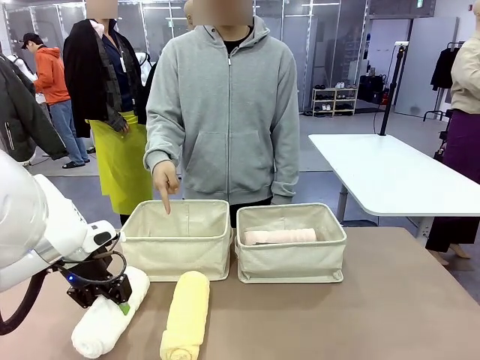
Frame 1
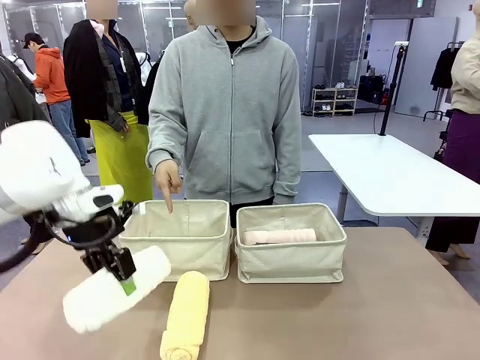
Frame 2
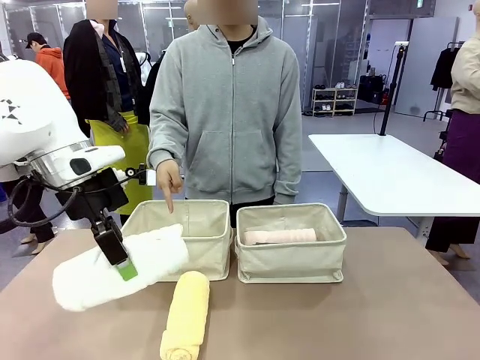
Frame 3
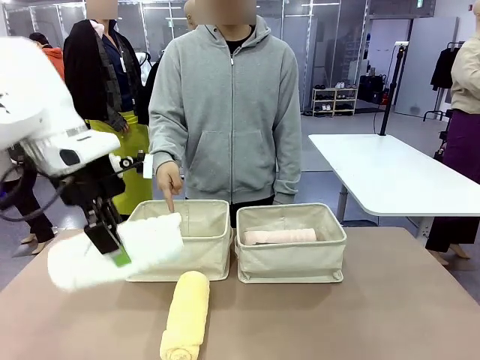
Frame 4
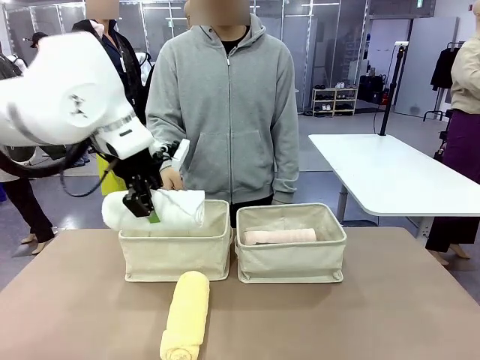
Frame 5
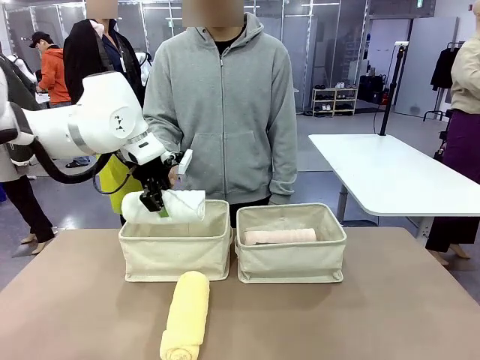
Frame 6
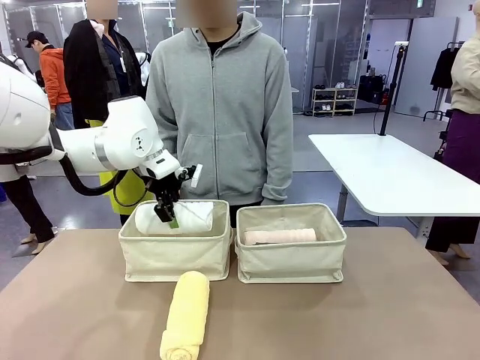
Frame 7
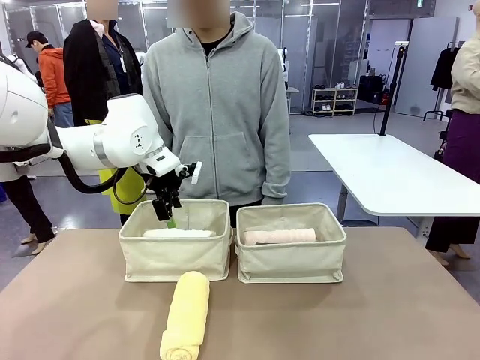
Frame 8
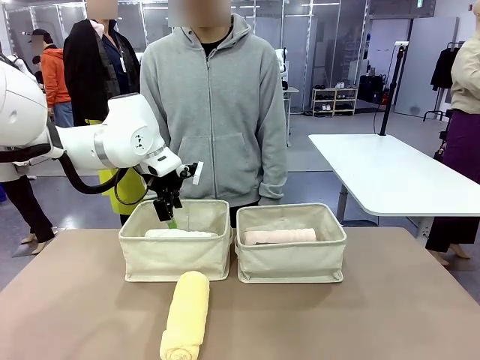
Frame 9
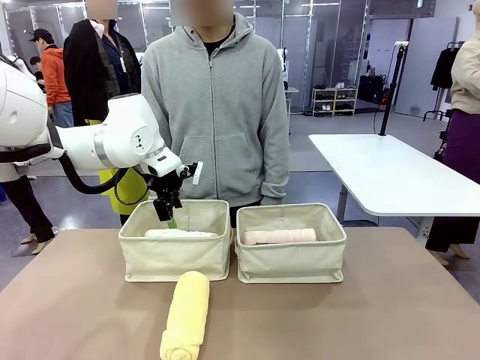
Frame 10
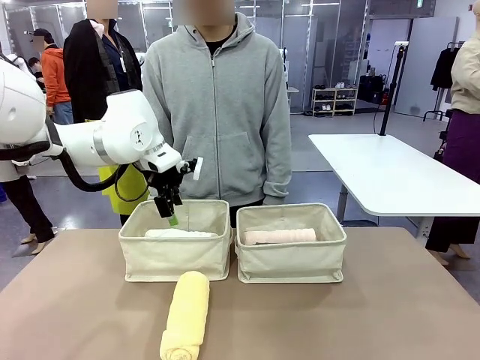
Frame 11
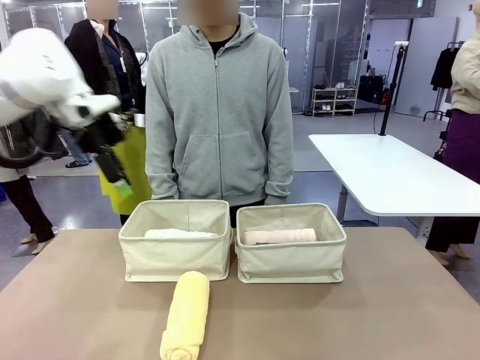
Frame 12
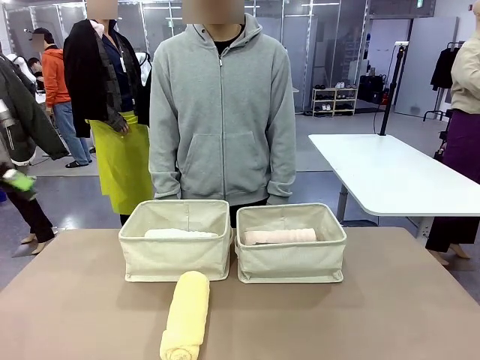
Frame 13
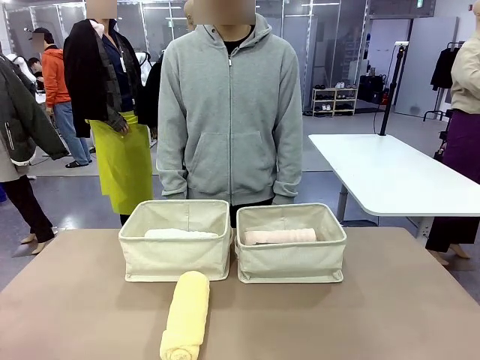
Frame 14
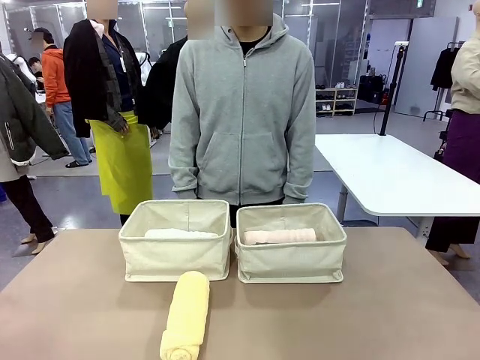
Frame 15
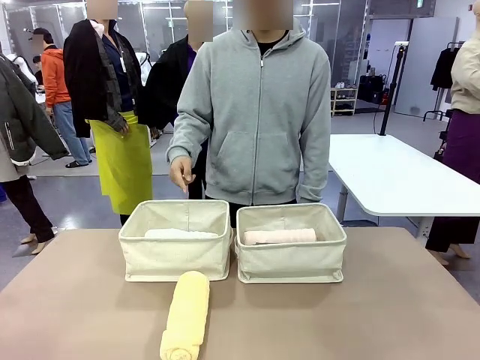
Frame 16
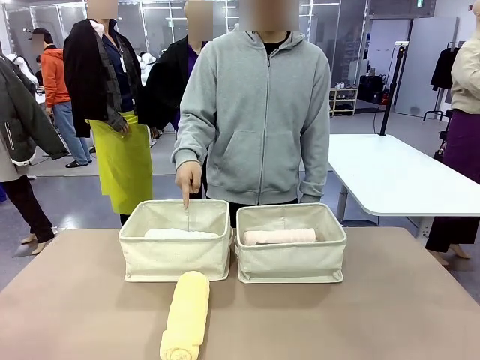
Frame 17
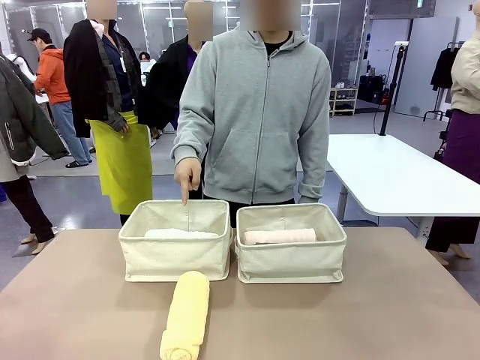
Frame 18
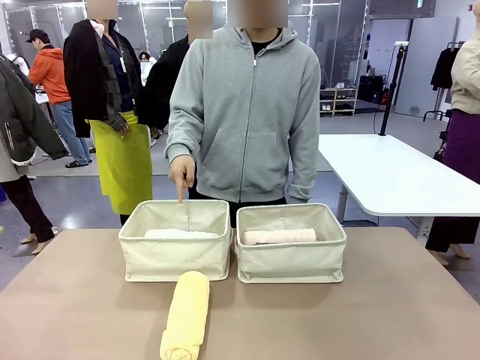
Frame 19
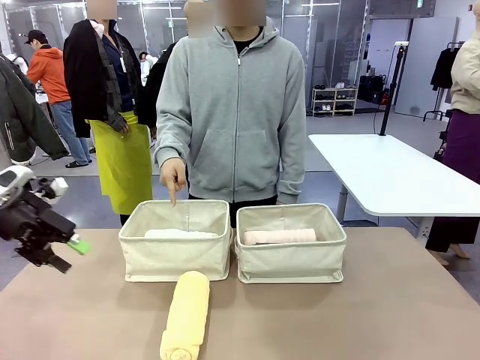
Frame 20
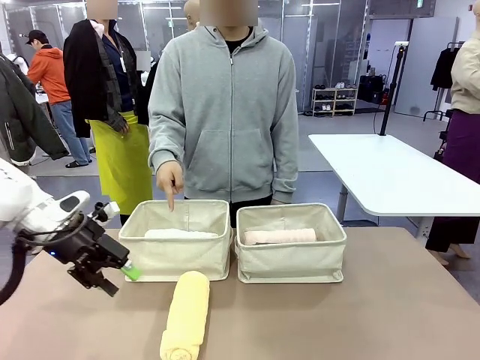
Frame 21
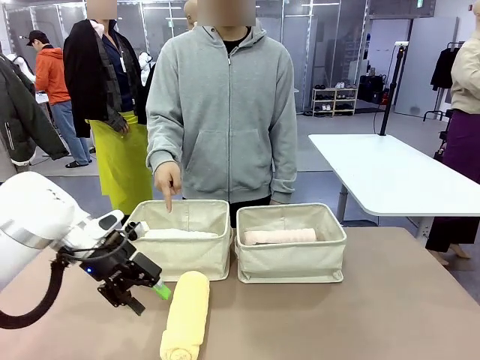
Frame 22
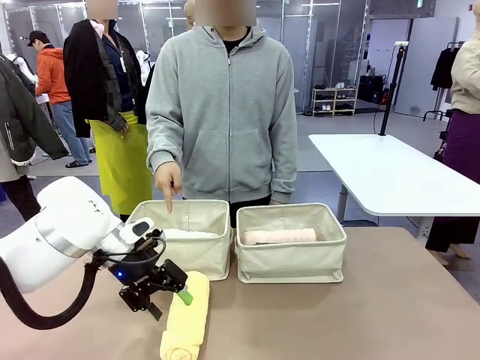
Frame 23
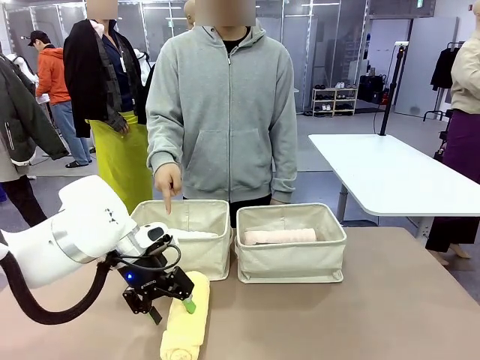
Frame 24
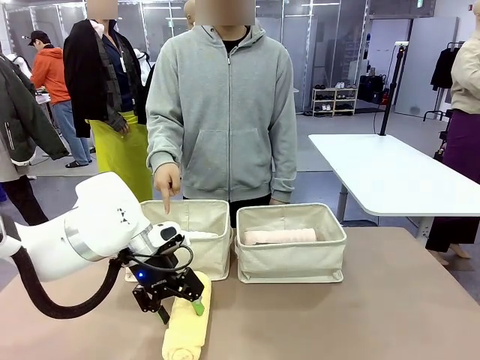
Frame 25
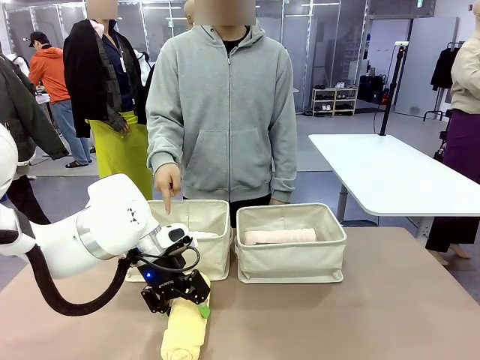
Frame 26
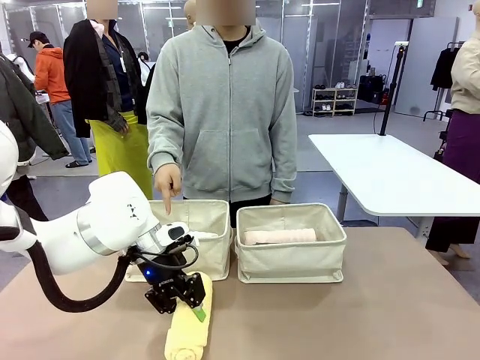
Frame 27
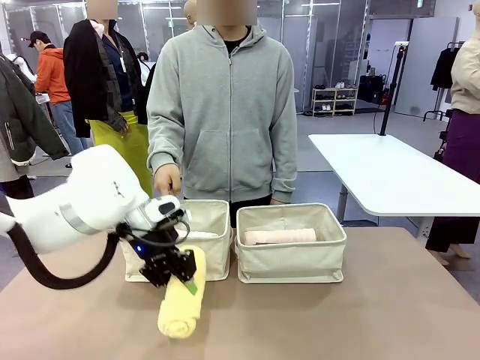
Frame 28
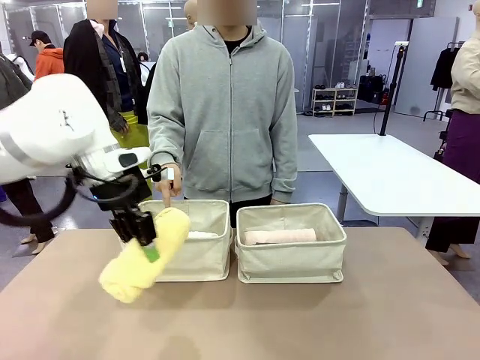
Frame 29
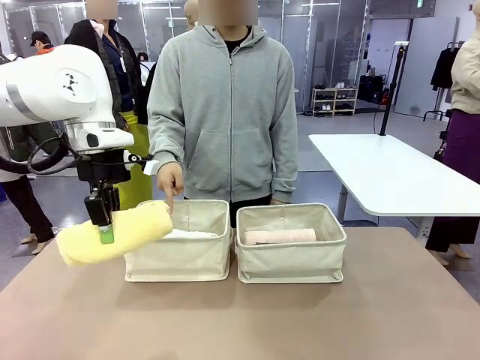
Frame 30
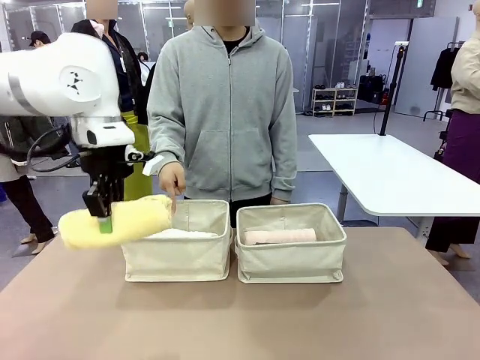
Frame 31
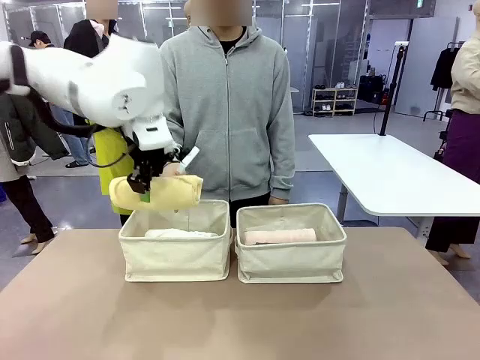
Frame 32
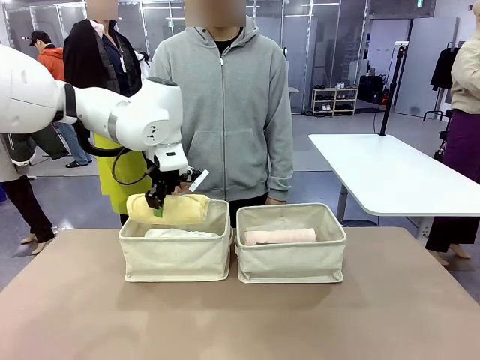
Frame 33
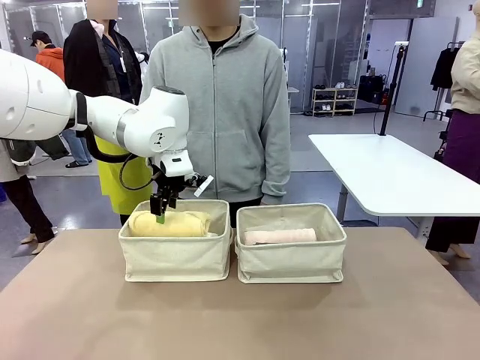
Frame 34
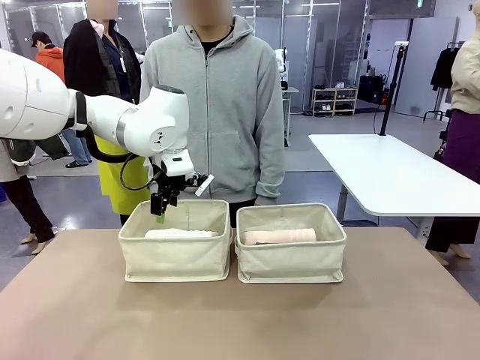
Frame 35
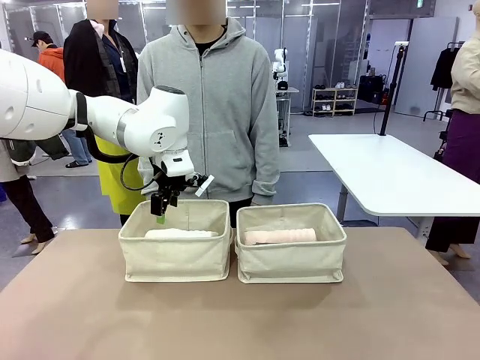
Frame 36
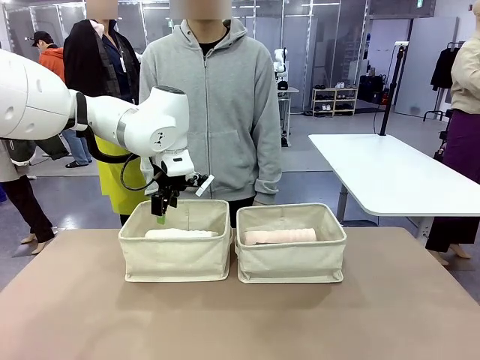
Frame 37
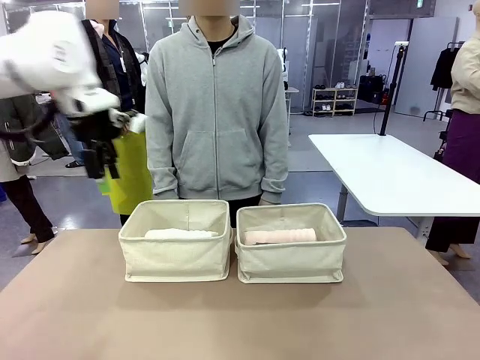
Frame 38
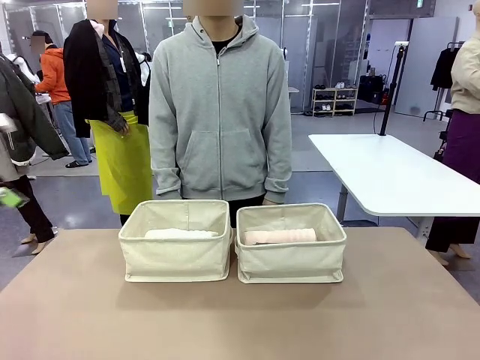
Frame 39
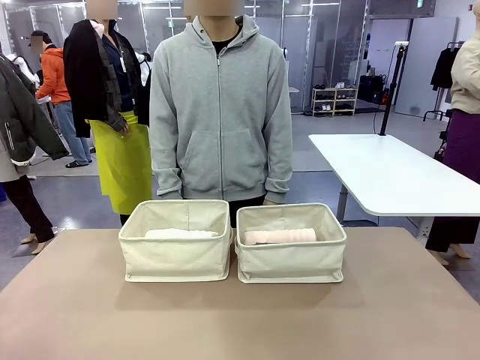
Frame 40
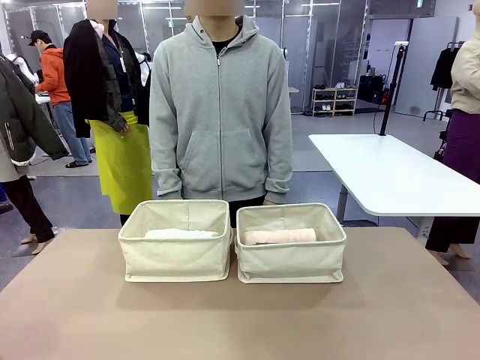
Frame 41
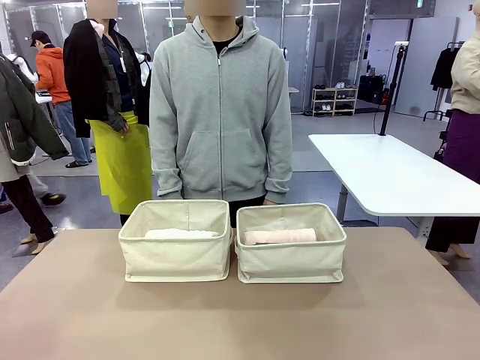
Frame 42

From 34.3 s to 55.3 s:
Task: Divide the towels into two baskets.
Robot: Pick up one hotel-folded towel from the bottom of the table and place it in the Fabric basket indicated by the person.
